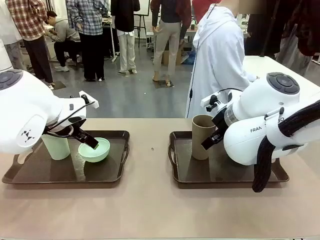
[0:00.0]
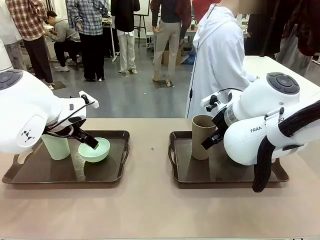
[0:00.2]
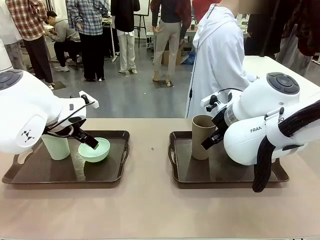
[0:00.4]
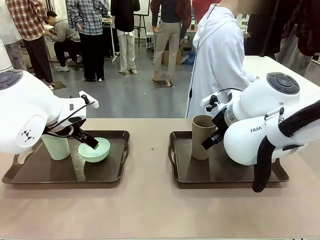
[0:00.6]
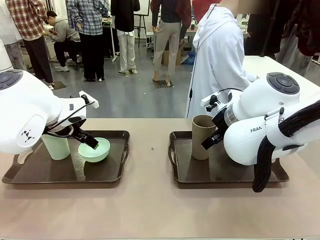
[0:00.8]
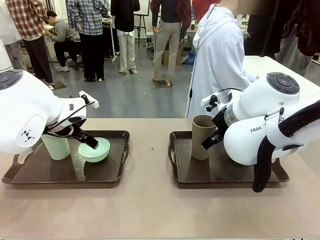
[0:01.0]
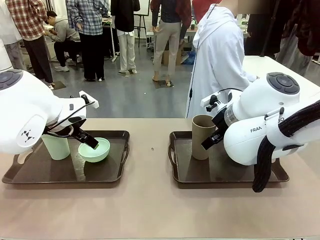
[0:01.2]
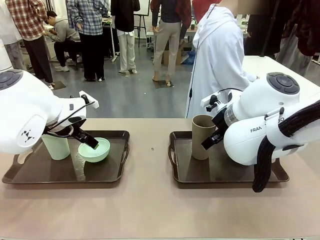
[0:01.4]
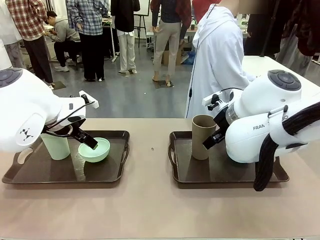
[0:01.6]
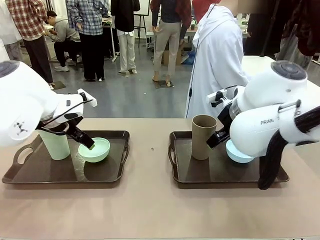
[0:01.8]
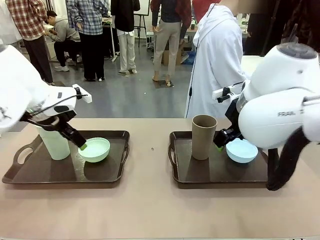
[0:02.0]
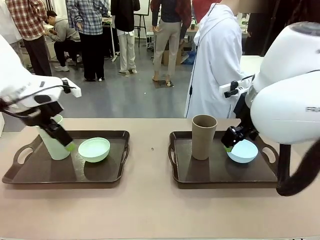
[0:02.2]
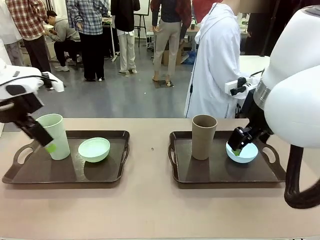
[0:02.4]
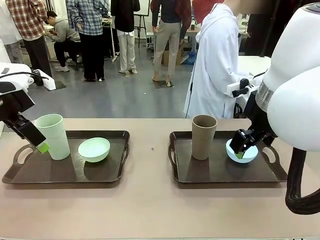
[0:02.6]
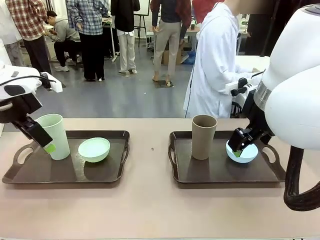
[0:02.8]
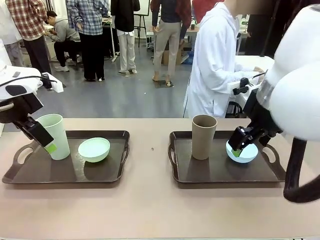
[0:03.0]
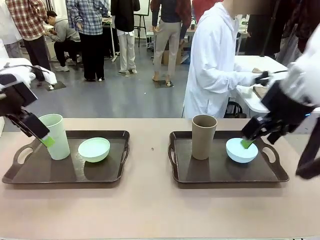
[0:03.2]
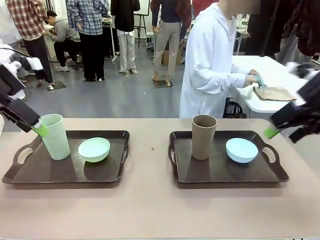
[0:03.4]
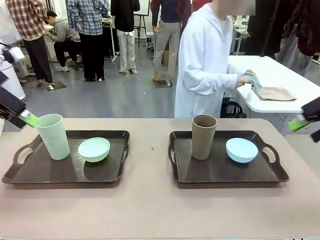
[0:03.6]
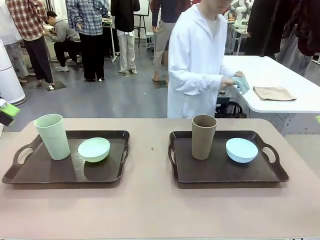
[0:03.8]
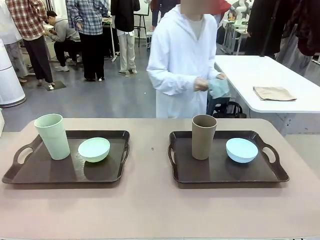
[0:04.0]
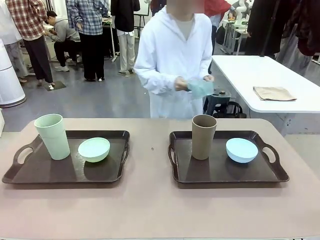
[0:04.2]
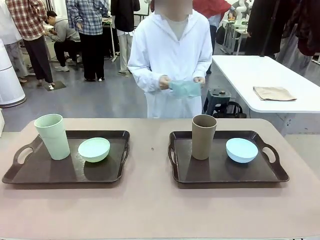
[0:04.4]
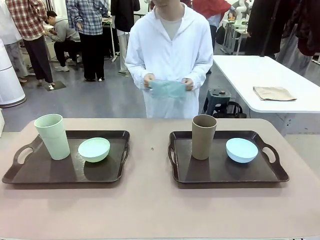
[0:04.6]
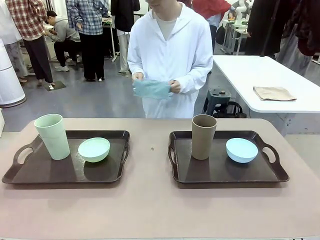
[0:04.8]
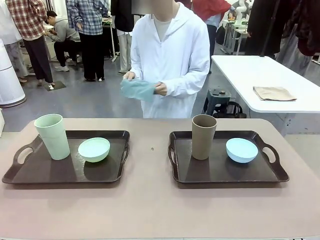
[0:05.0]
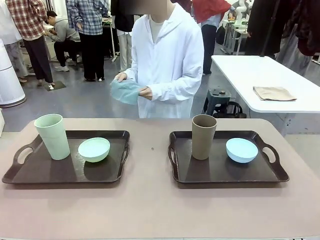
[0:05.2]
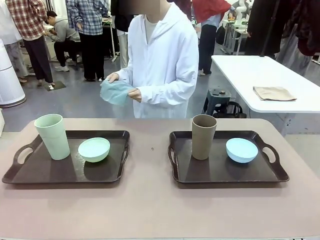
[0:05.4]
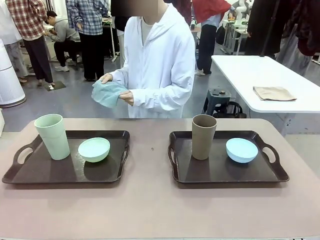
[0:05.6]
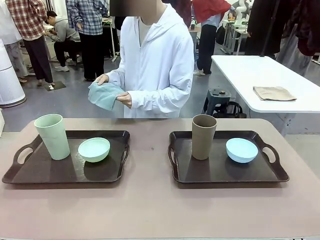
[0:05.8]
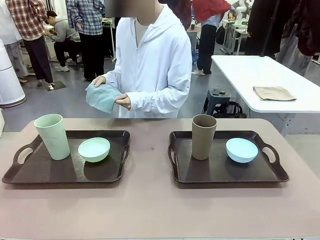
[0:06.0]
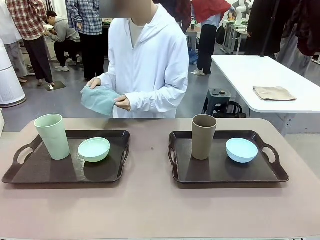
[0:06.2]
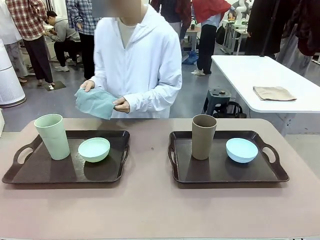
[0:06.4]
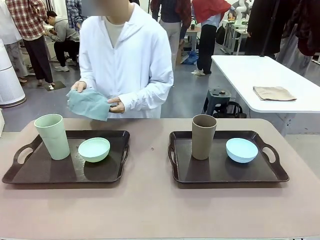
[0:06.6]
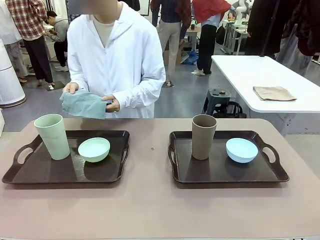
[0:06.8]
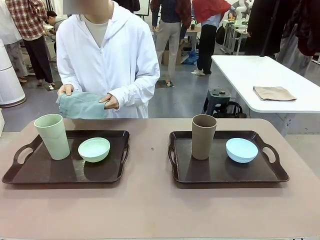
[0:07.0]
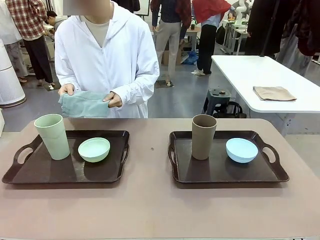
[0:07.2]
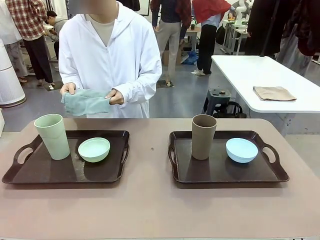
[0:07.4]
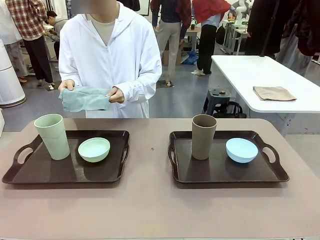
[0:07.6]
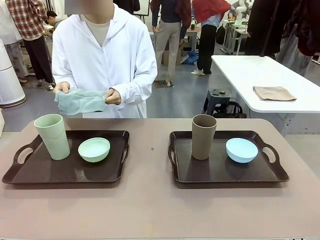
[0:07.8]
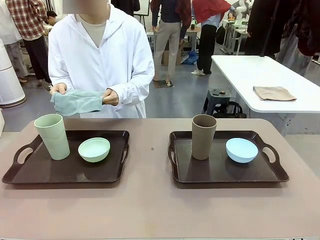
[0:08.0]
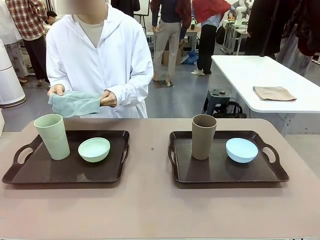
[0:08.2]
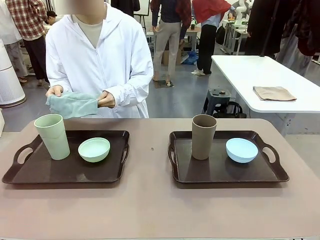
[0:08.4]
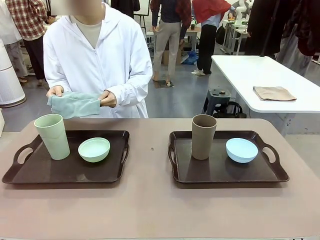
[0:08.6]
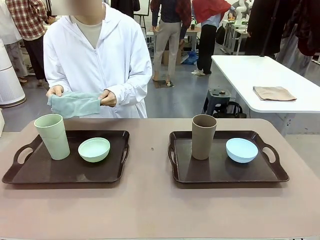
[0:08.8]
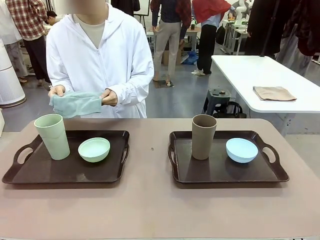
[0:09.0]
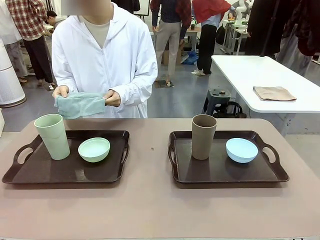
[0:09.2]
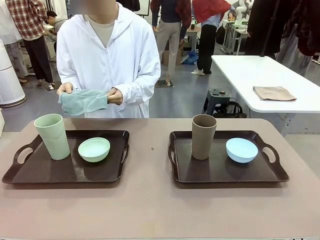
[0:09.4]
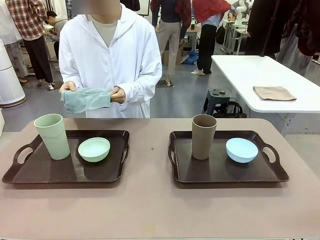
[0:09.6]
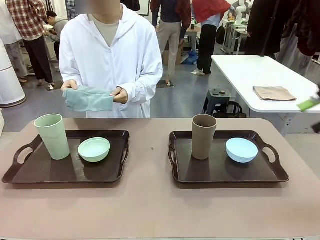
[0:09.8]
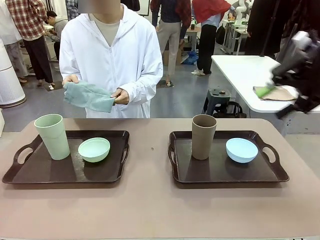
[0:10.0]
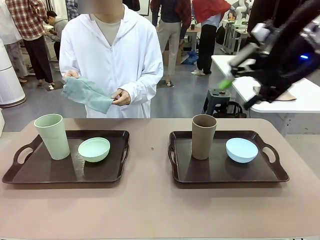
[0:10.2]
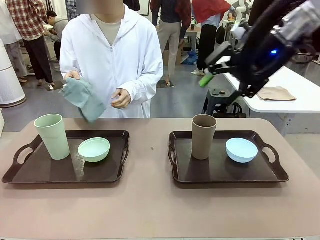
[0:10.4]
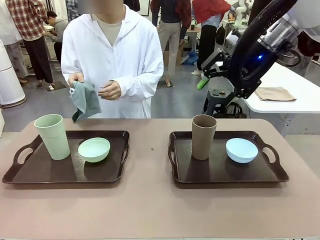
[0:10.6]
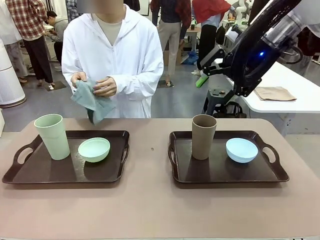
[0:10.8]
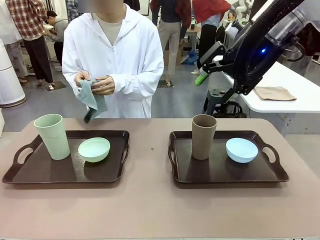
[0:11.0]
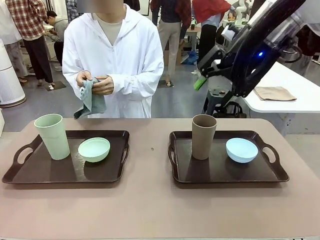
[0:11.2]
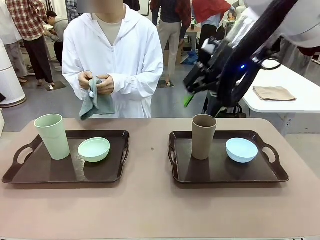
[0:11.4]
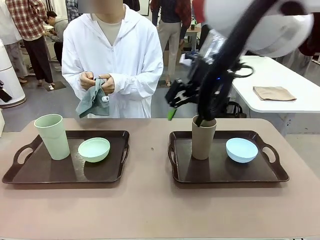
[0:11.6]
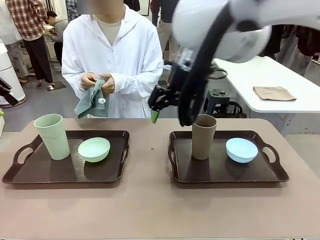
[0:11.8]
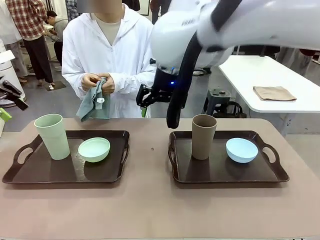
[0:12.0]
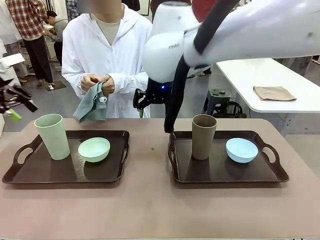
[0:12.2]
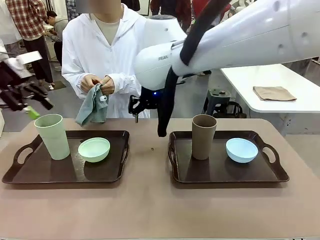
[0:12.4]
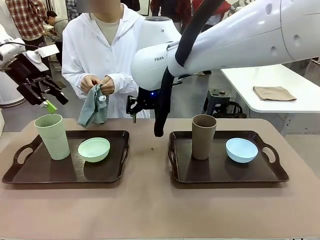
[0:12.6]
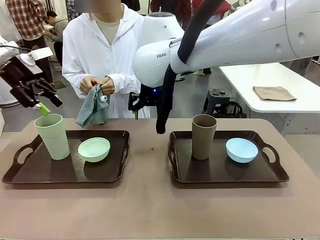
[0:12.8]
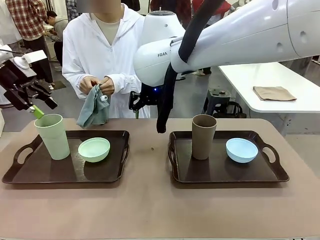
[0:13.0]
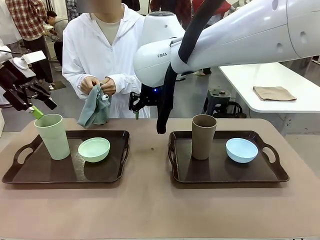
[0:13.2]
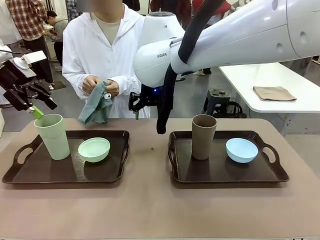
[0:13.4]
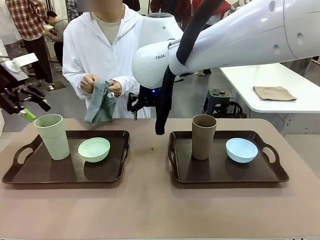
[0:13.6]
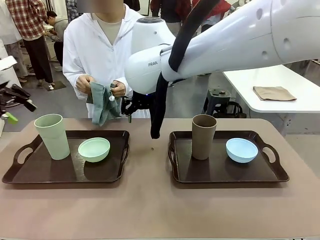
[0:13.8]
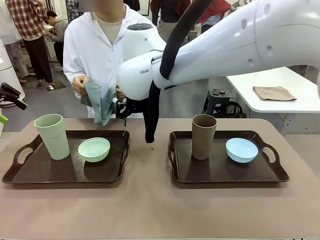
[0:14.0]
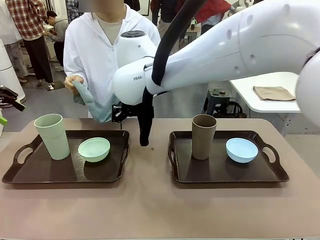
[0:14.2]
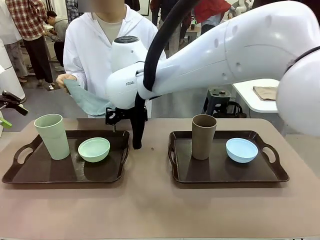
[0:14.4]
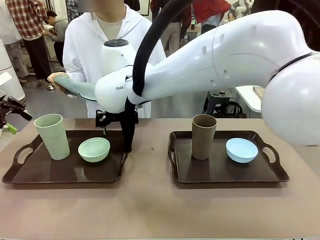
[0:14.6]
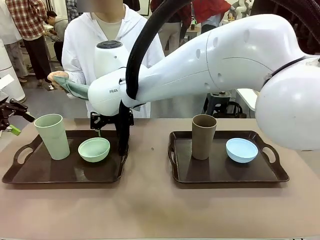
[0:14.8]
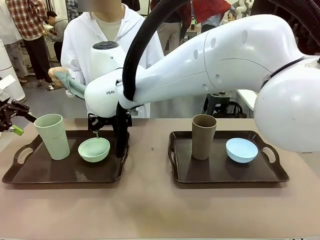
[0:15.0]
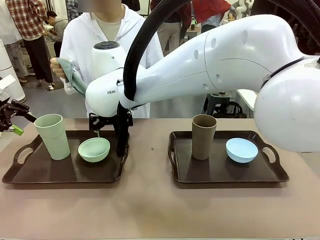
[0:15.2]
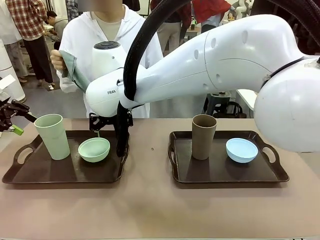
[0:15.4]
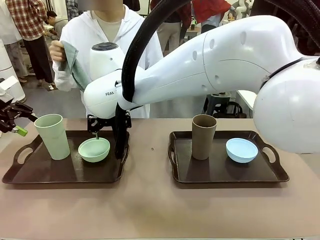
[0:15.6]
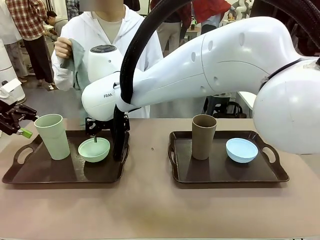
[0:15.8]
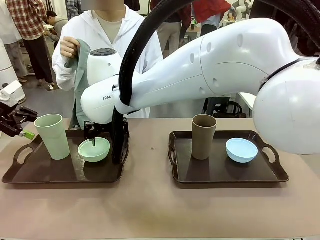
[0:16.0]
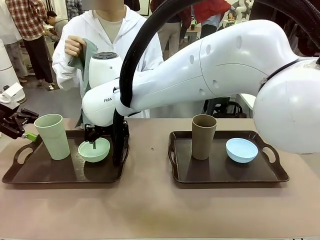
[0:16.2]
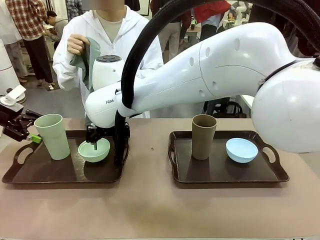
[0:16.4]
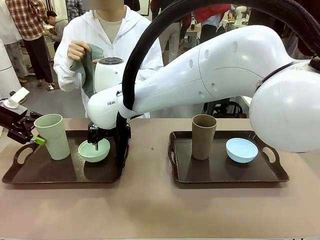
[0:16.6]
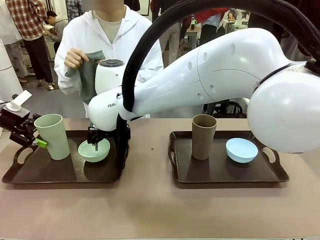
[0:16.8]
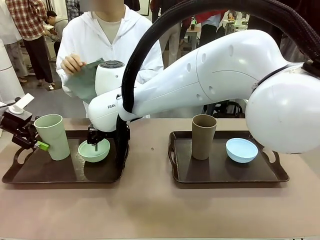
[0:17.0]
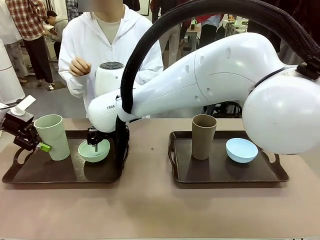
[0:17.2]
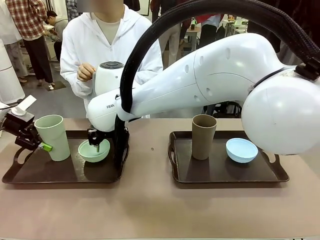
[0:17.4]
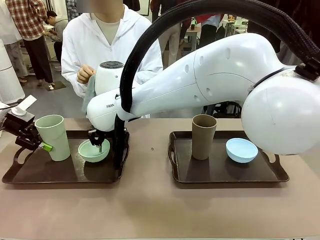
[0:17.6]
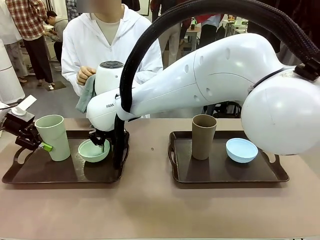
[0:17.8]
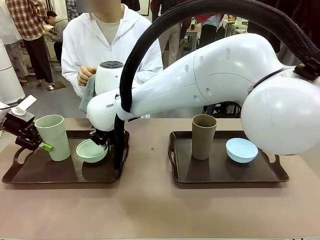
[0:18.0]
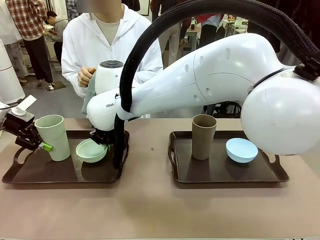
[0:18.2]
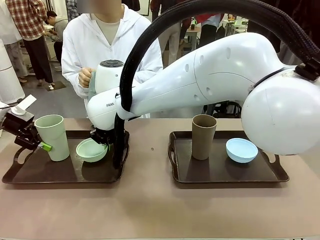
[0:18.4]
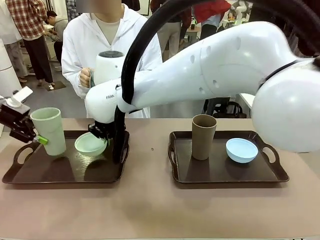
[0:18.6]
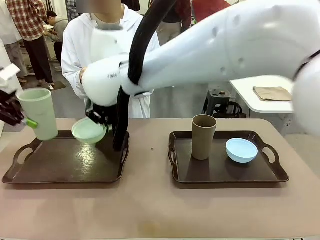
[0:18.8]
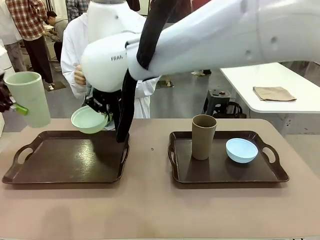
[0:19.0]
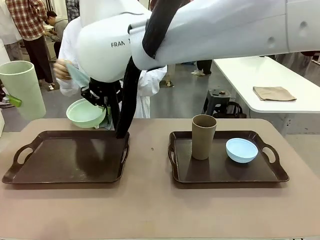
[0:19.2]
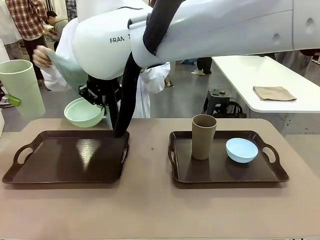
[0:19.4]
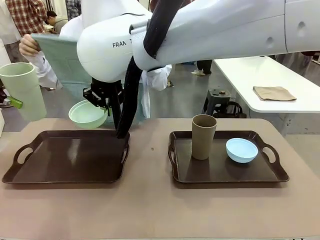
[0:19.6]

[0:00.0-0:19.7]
Robot: Pick up the Picnic Bowl and Reusable plastic cup from the Handle tray in front of the human's position and hold them in the air.
Person: The human picks up the top napkin from the stack on the human table and walks to the robot table to stand in front of one of the two trays. When the robot lifts the bowl and the cup, the human unfolds the napkin and lays the napkin flat on the tray.
